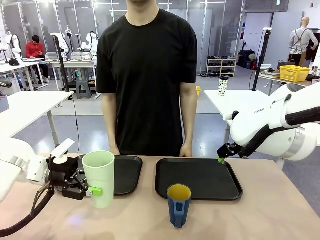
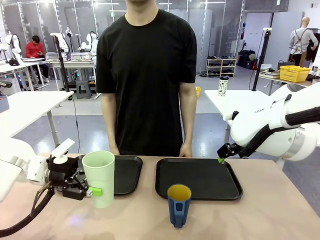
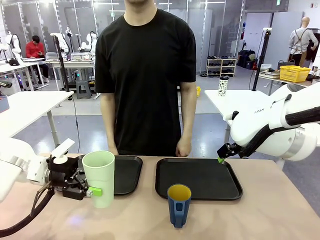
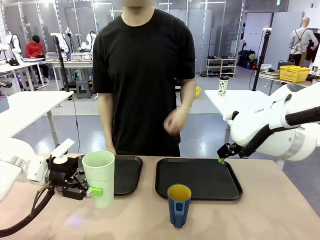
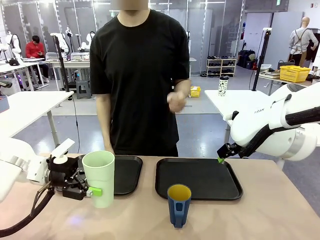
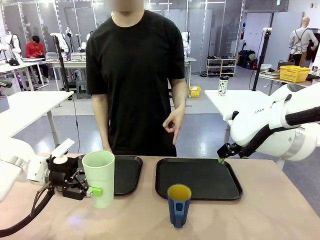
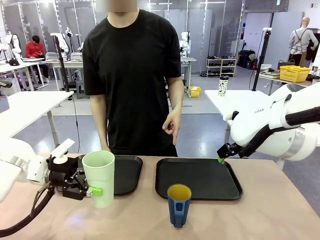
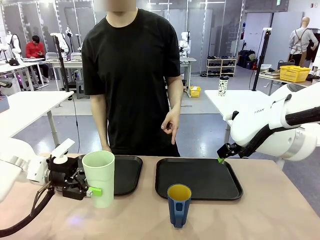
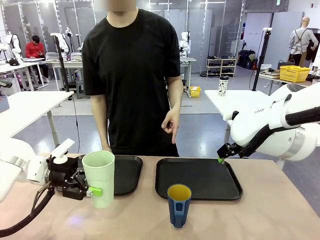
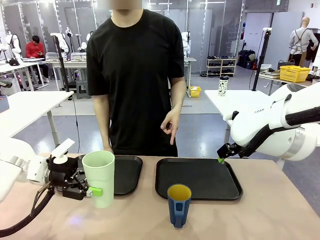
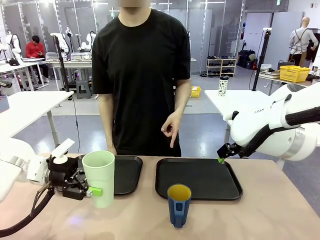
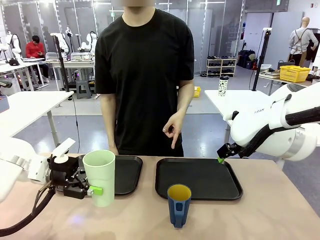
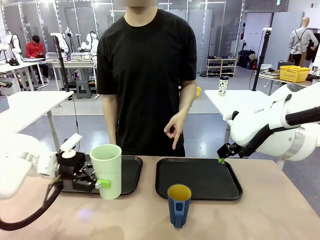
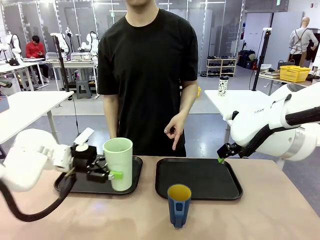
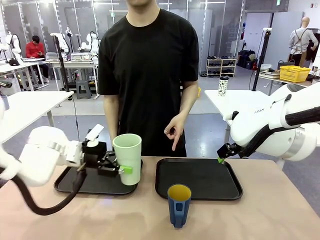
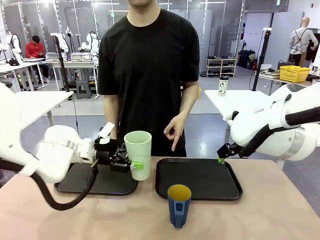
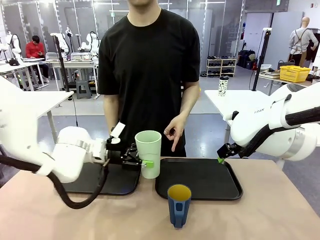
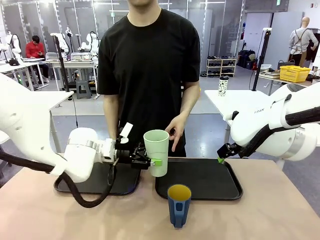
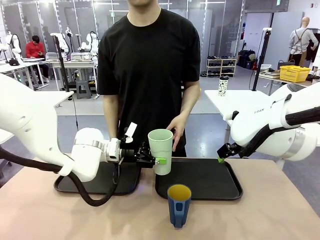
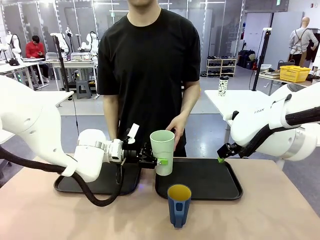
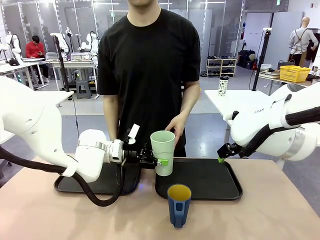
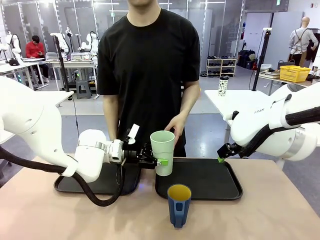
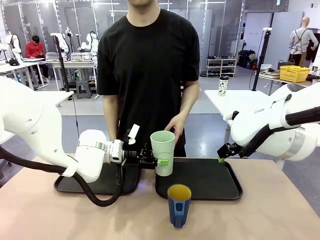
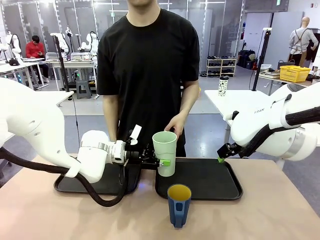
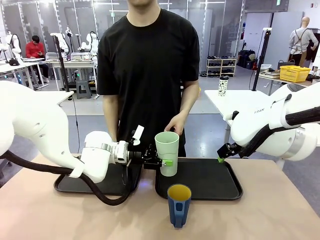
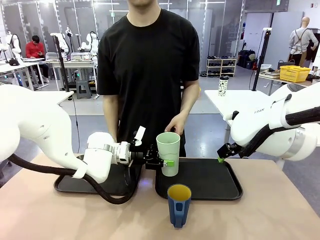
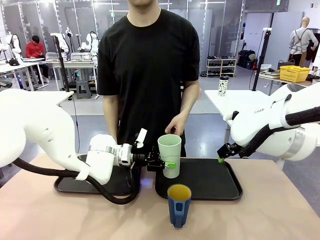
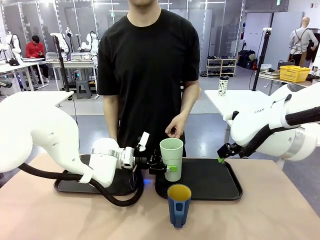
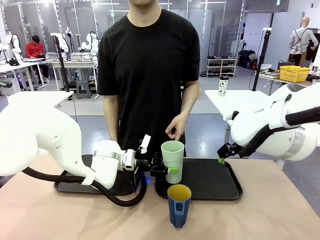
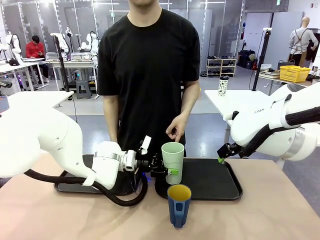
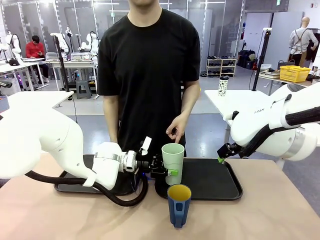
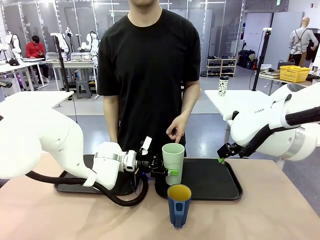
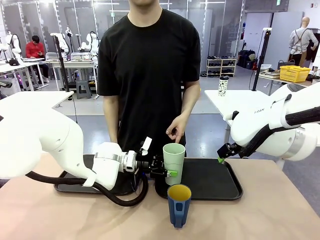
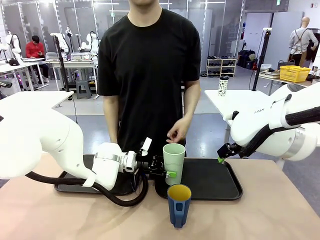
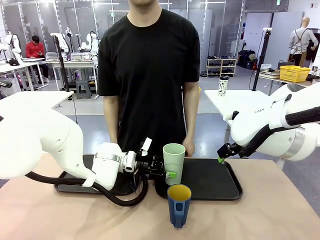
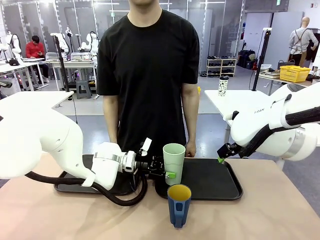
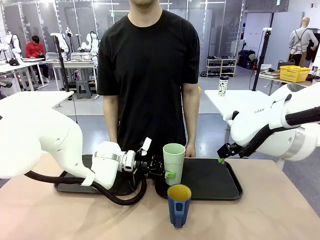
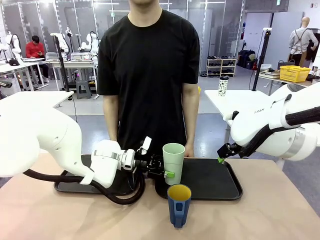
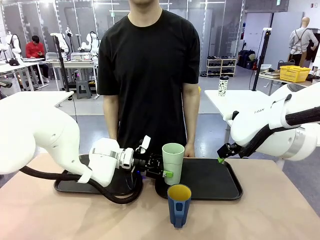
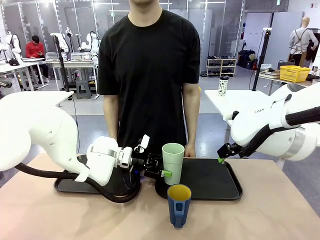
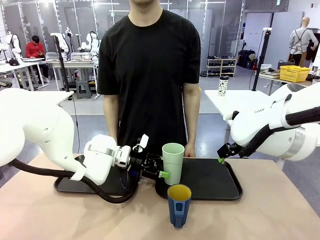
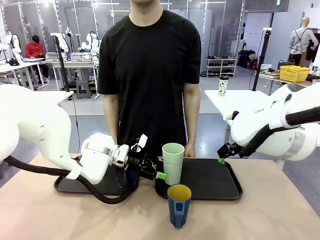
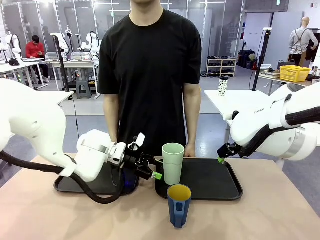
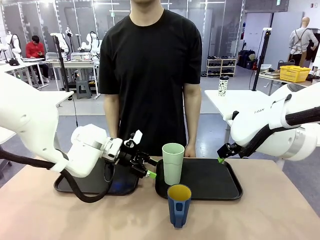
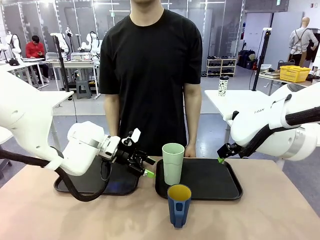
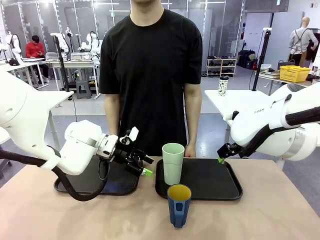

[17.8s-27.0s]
Task: Sort and store the cups by type.
Robot: Place the picked Reusable plastic cup into the Flat Tray indicated by the person.

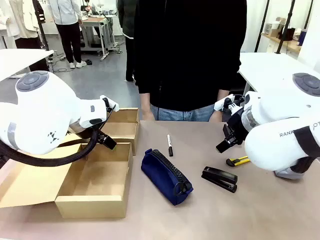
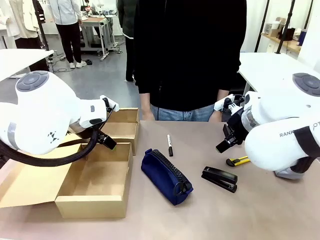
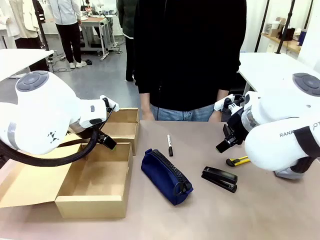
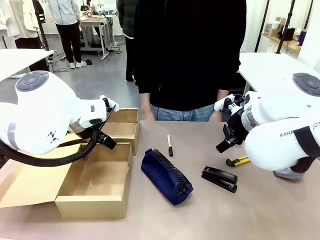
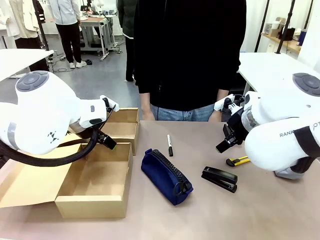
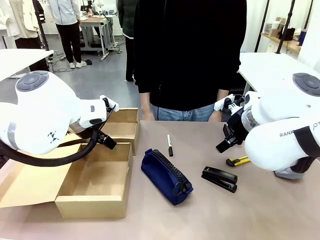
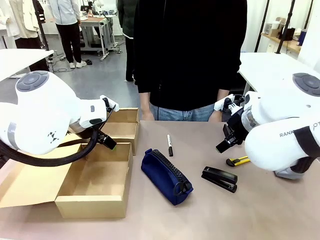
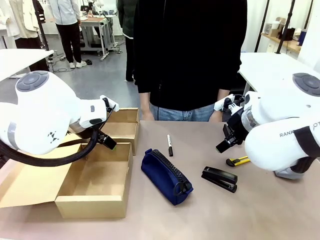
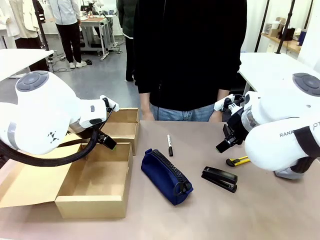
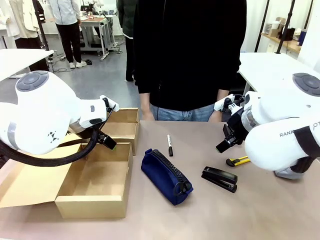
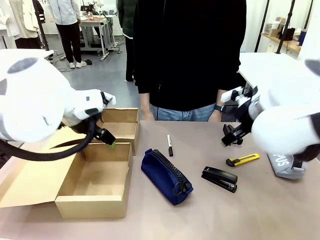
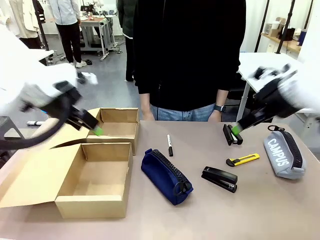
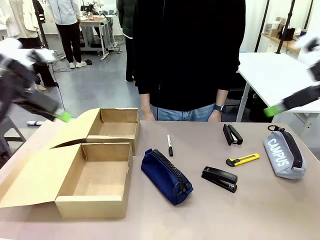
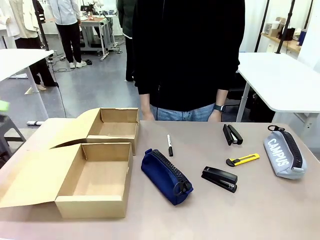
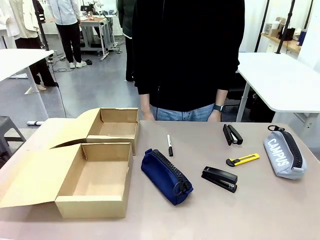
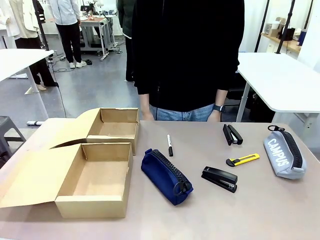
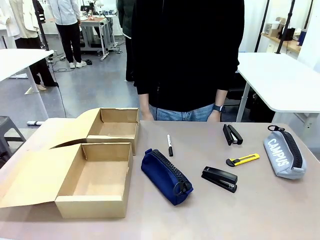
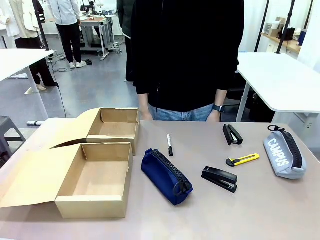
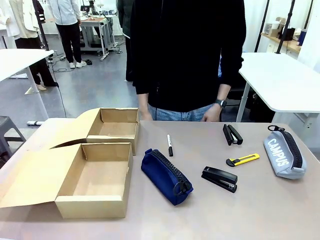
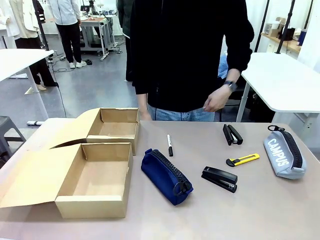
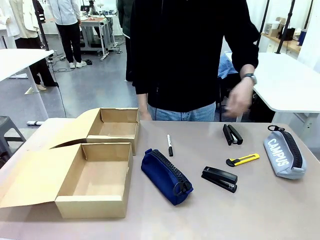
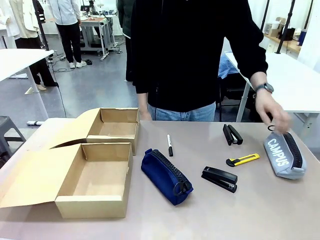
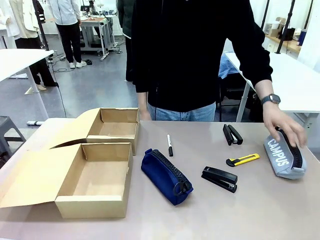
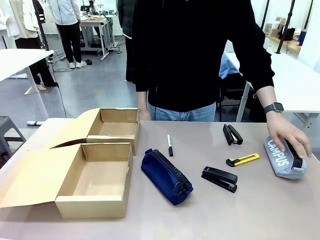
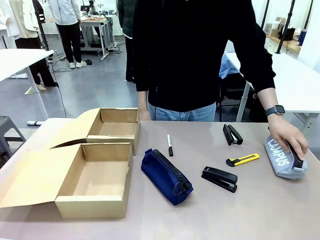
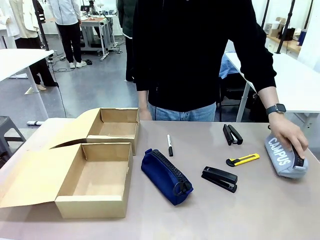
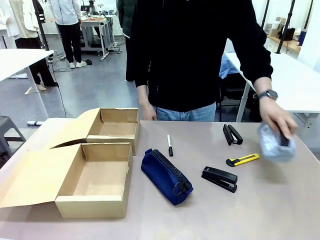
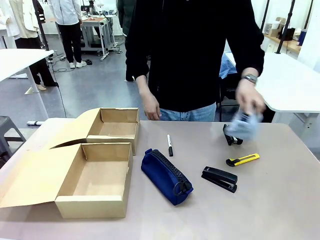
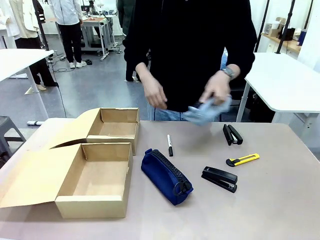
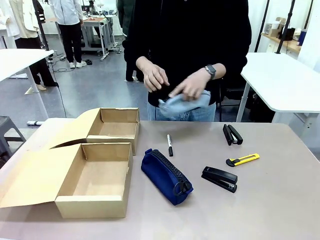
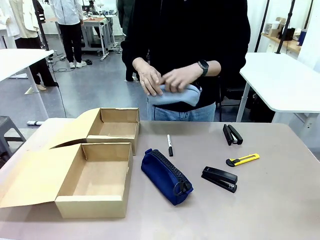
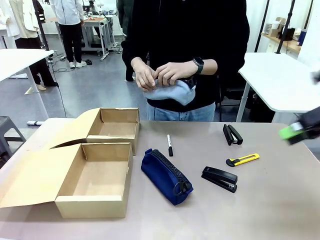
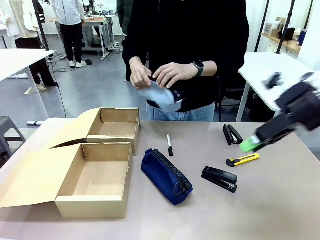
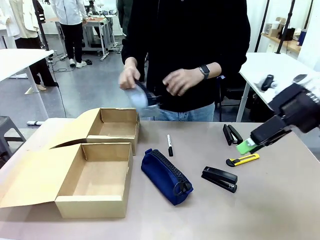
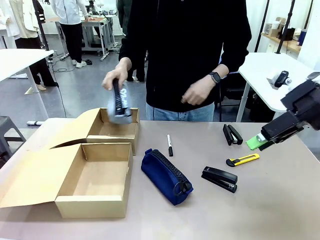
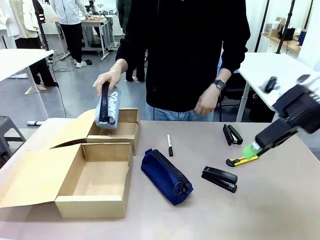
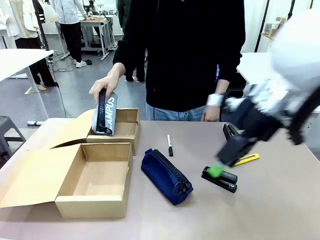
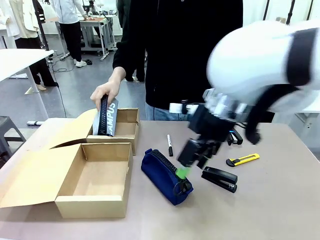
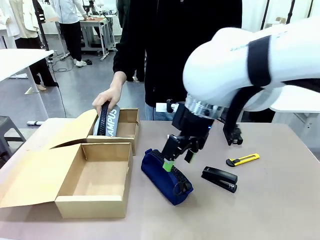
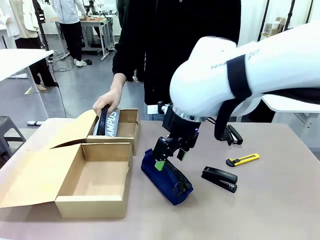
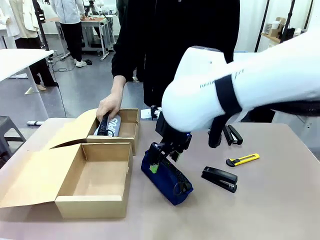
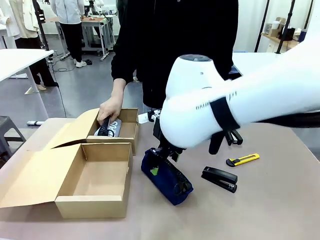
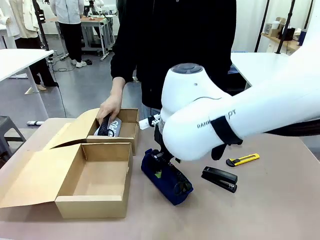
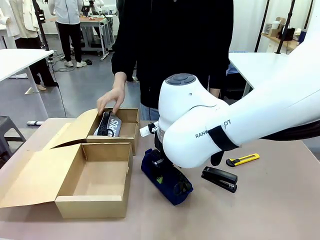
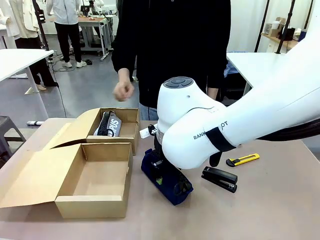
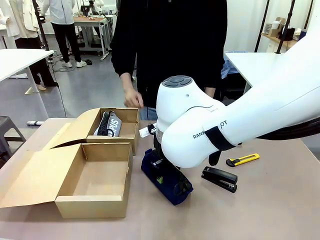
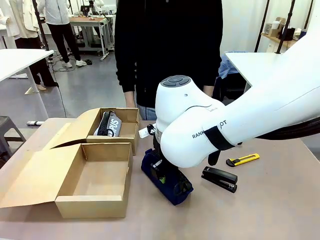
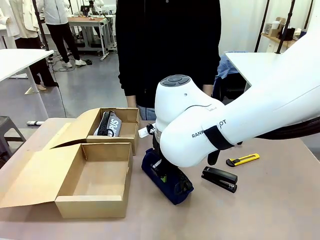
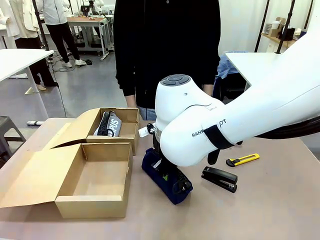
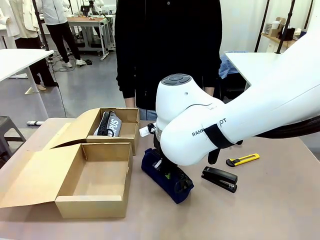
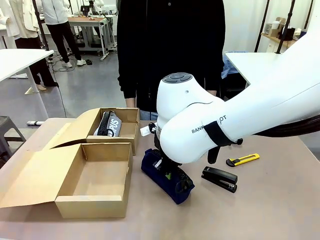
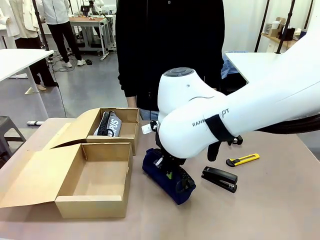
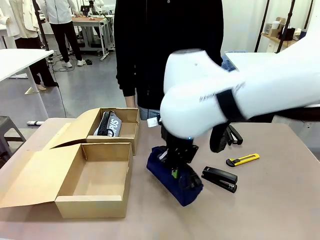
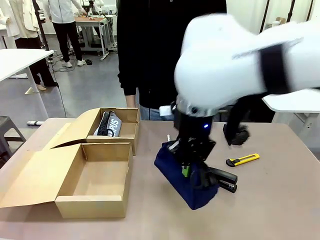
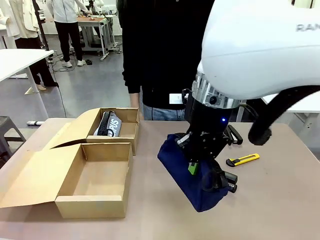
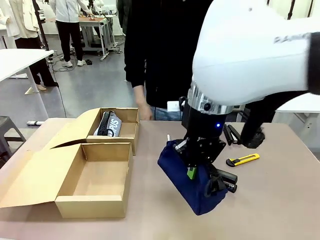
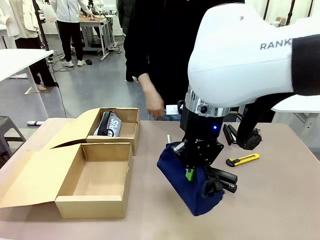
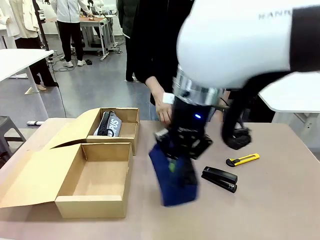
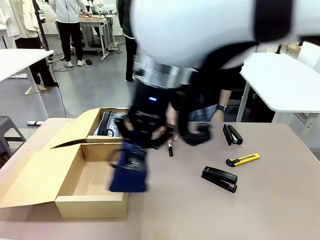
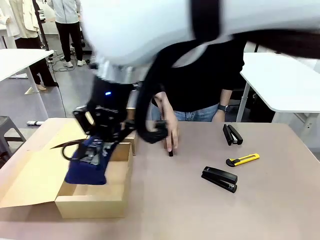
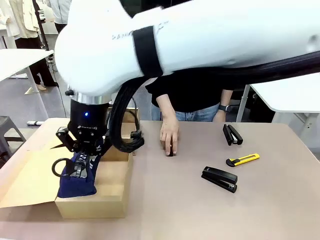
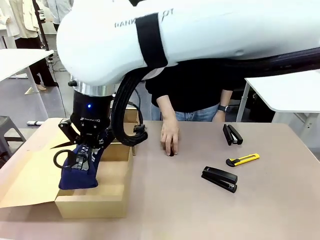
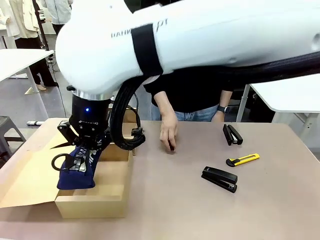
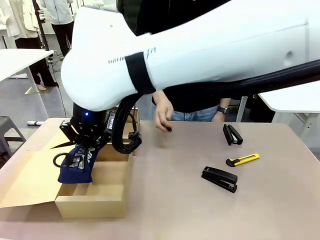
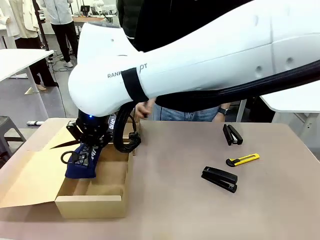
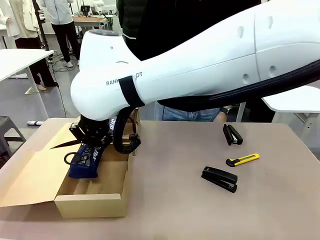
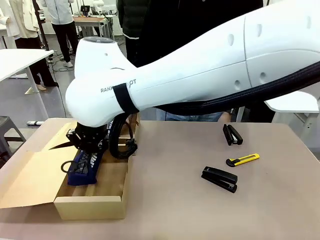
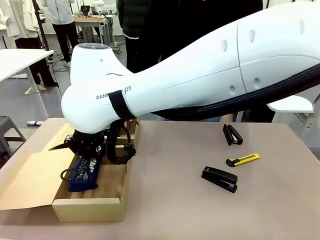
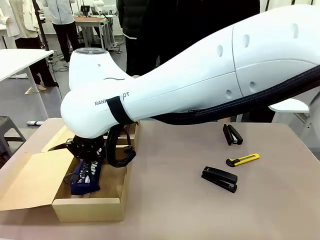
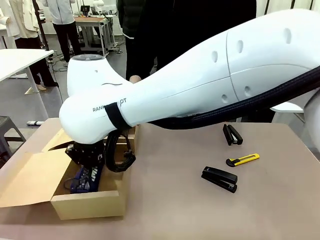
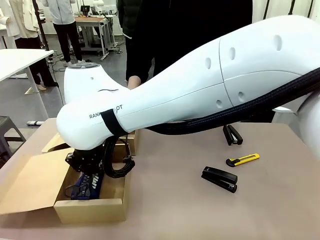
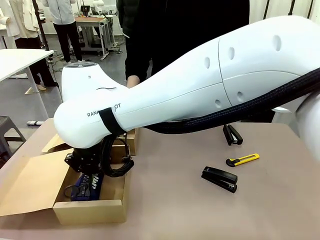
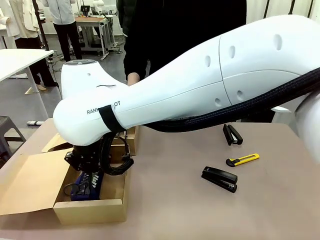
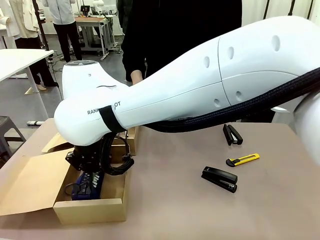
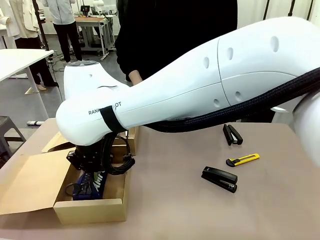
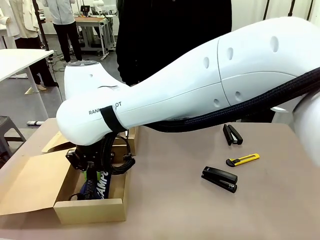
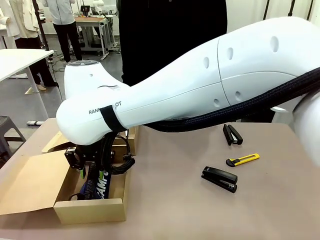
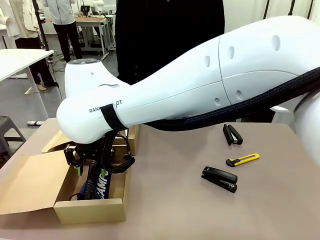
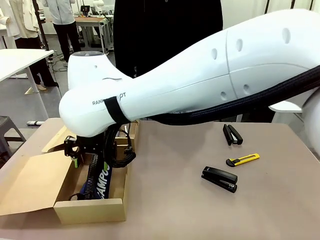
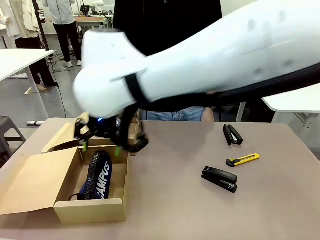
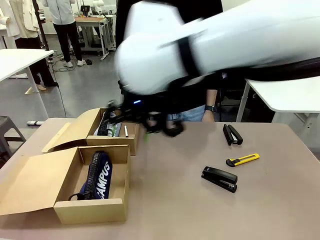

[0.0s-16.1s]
Task: Place items inside the box.
Robot: Pick up a Pencil pouch or Stapler and place it inside the Mailer Box closest to the robot.
Person: Pick up an object on the table and put it in the box.
